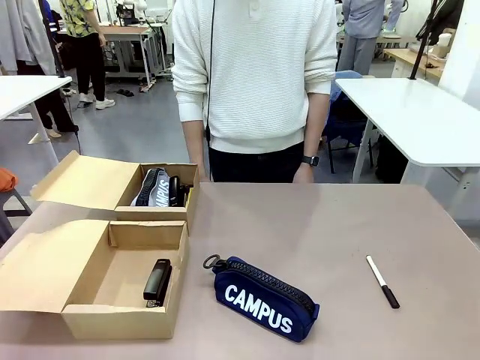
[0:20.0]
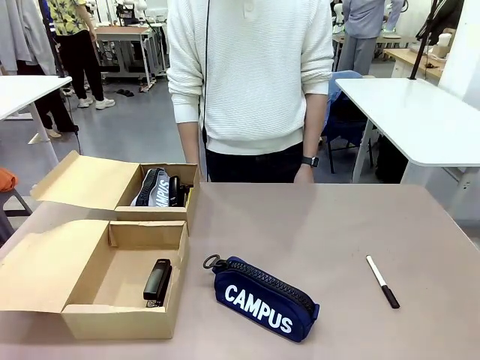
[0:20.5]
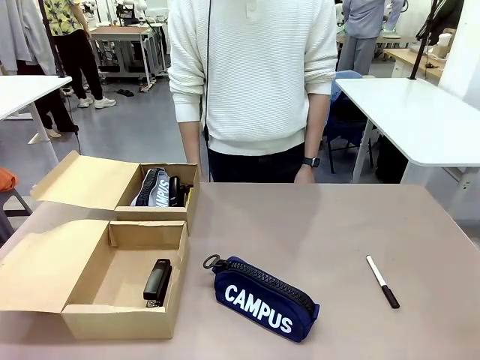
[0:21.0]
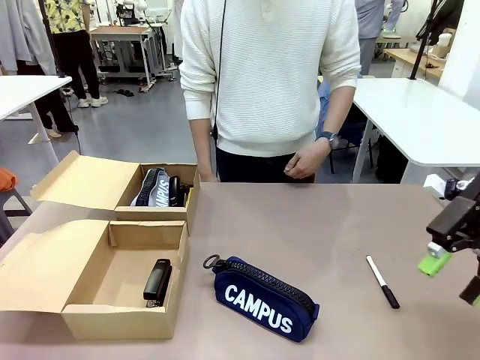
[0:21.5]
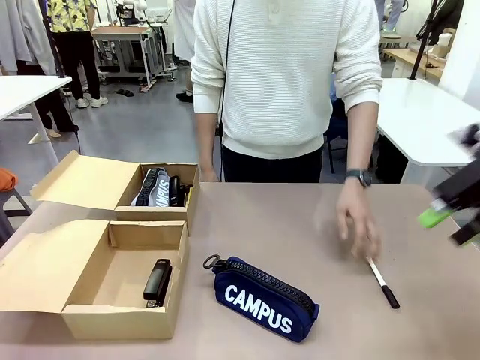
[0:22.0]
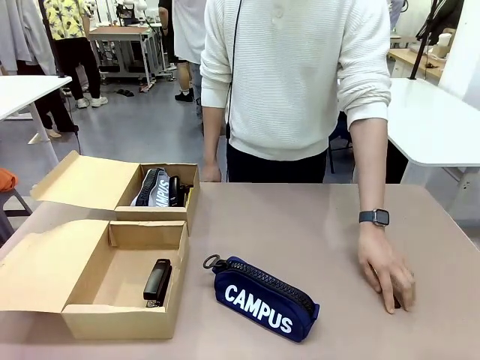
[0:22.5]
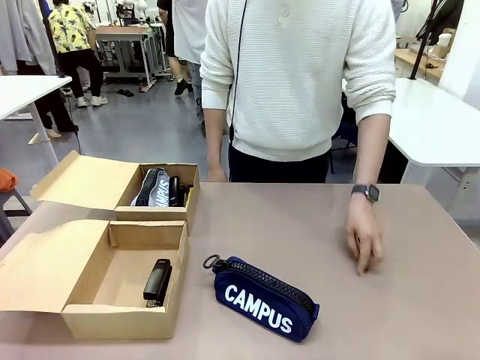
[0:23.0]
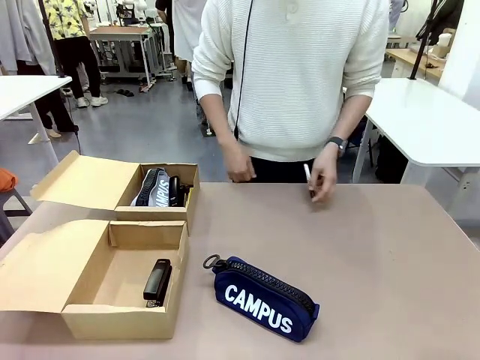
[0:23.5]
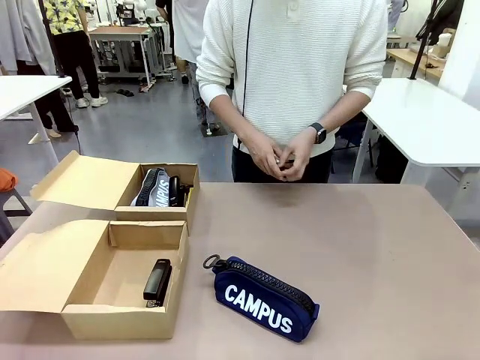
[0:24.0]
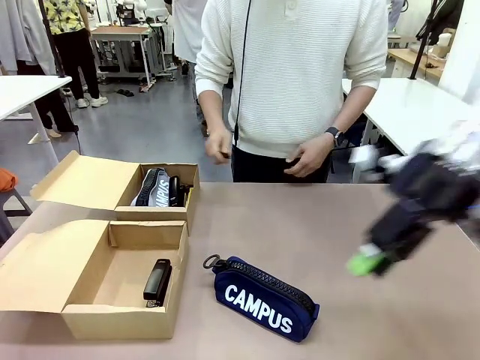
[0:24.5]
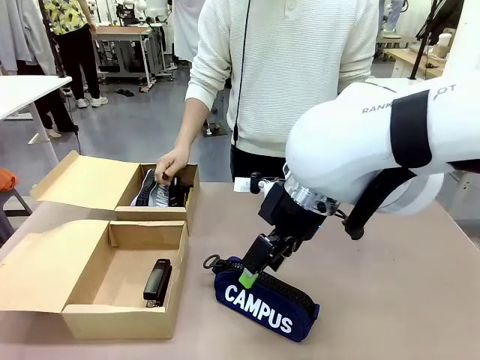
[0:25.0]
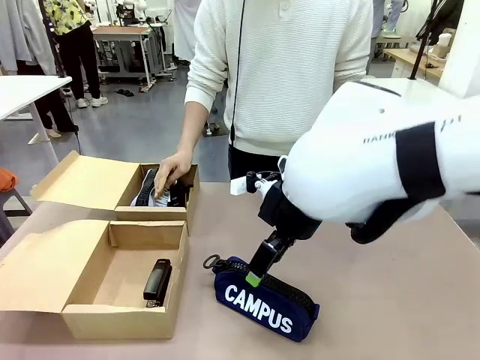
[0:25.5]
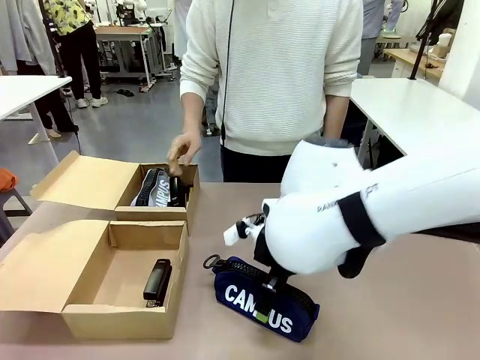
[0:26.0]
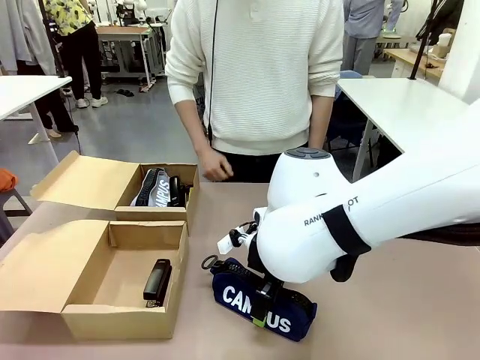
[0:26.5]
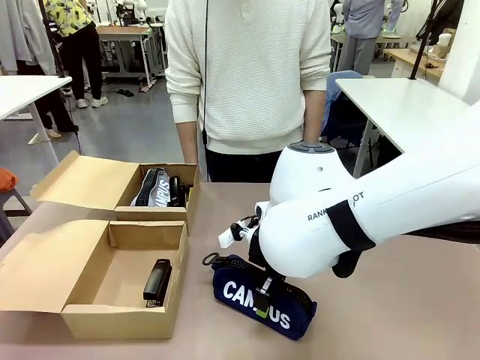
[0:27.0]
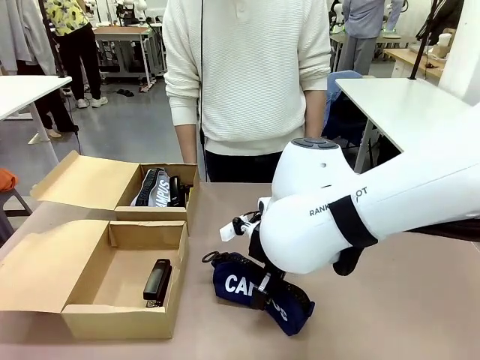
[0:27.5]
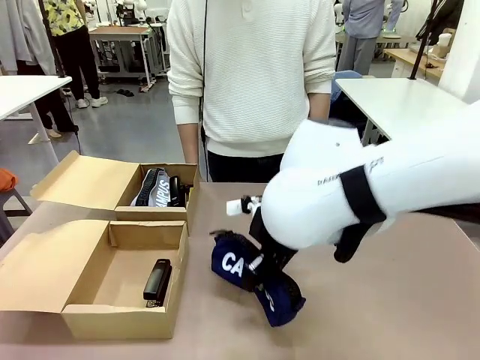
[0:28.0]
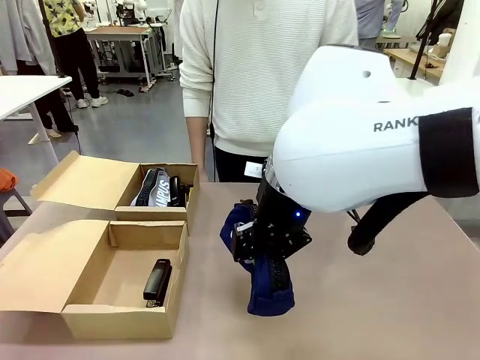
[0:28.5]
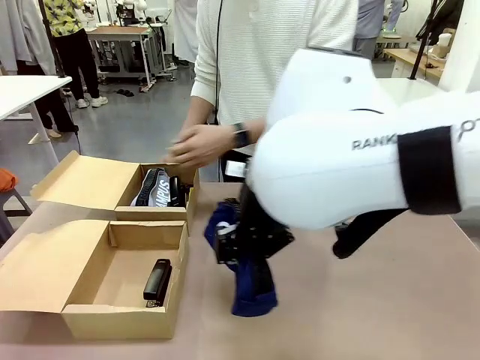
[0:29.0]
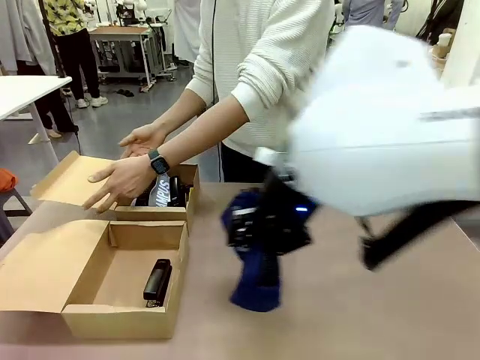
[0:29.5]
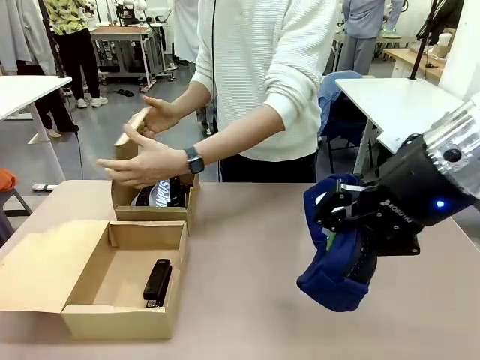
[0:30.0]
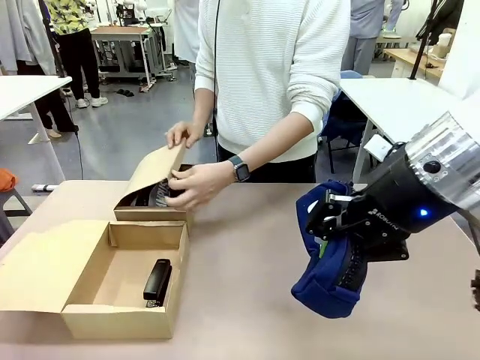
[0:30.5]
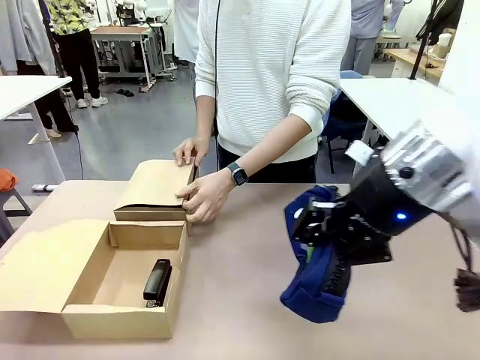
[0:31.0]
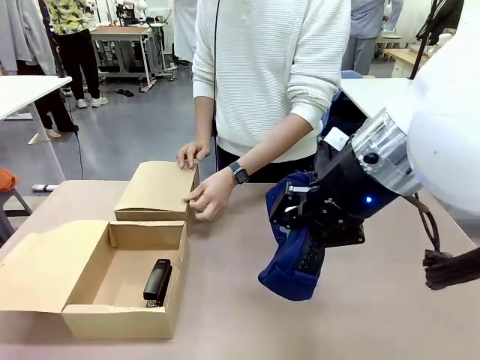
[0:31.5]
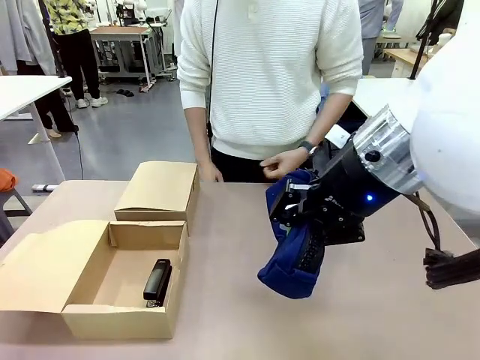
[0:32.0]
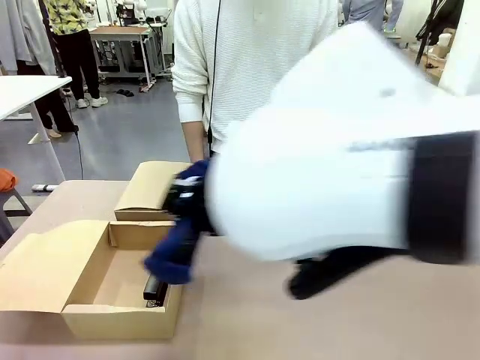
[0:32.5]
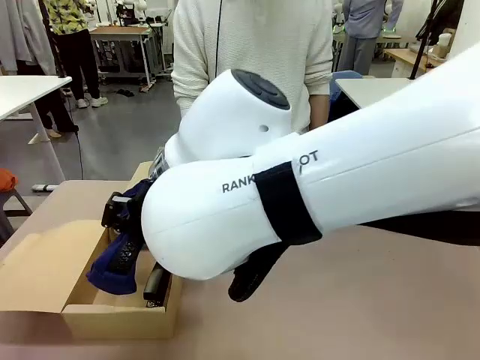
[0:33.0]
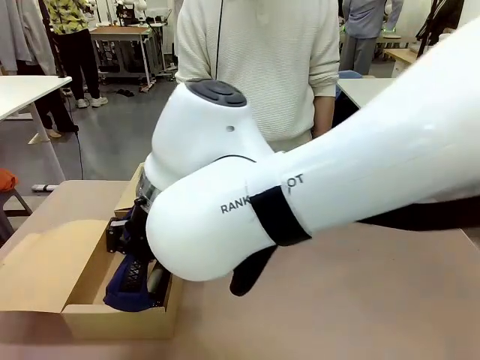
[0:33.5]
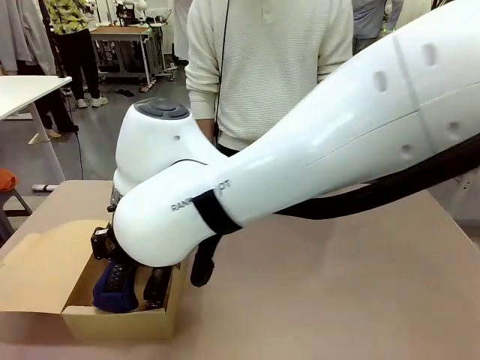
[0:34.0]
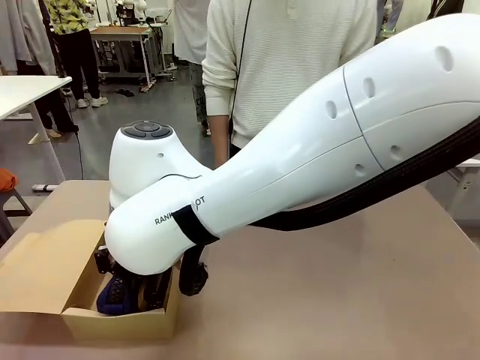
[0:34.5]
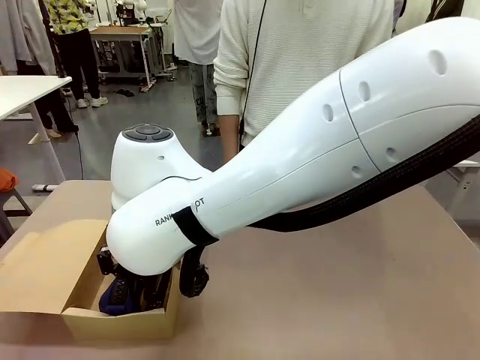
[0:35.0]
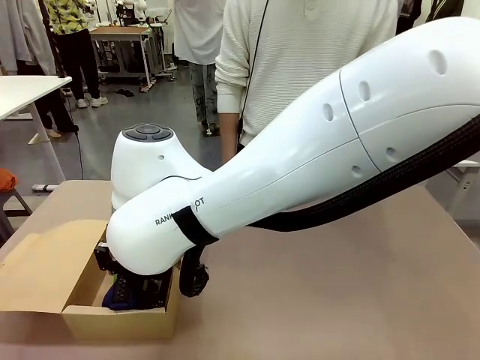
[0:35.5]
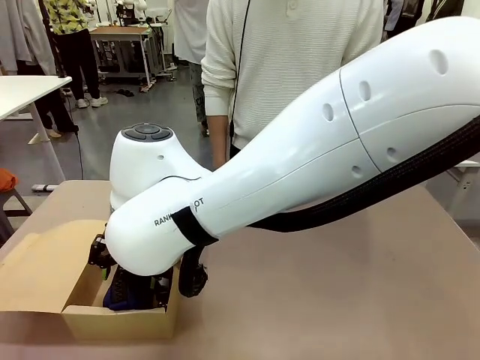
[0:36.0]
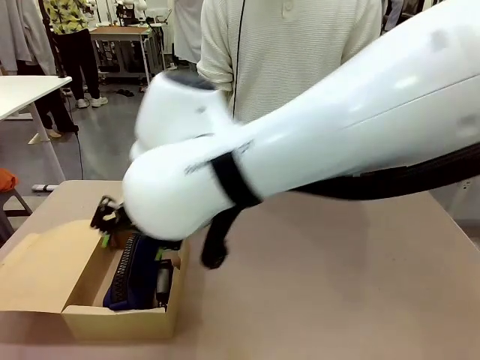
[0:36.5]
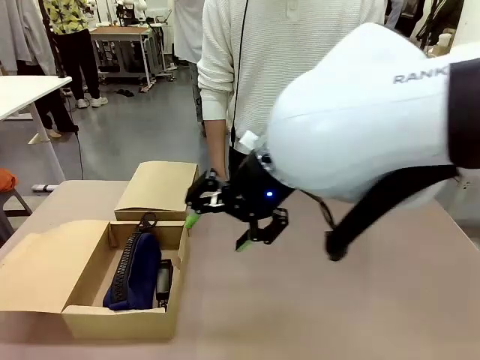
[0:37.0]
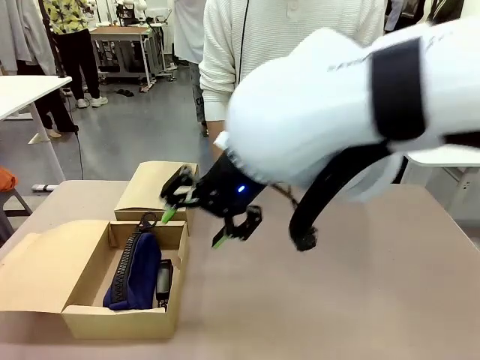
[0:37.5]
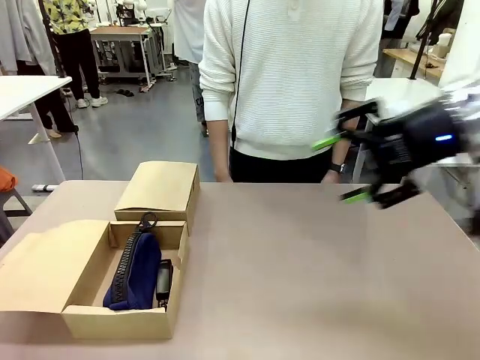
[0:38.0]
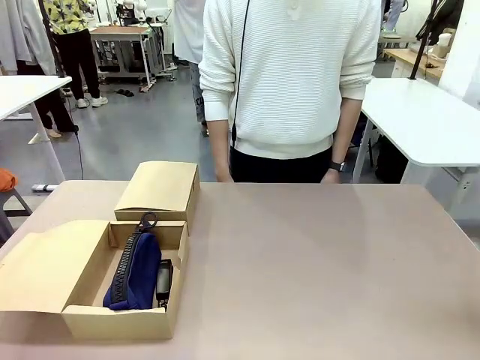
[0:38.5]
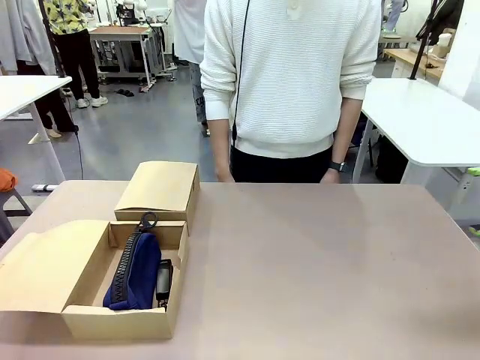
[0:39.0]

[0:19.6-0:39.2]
Task: Place items inside the box.
Robot: Pick up a Pencil pouch or Stapler and place it inside the Mailer Box closest to the robot.
